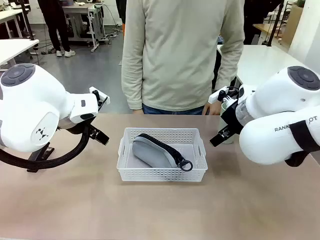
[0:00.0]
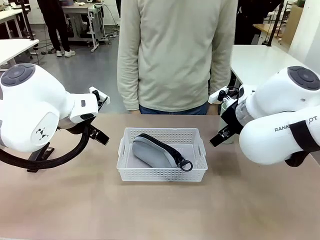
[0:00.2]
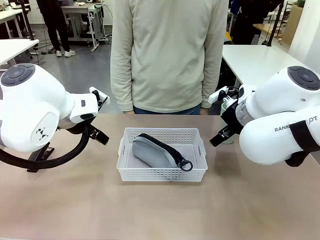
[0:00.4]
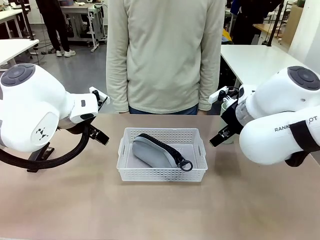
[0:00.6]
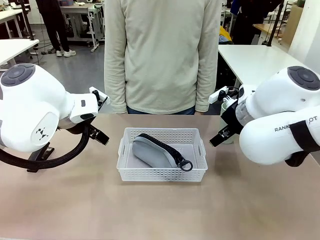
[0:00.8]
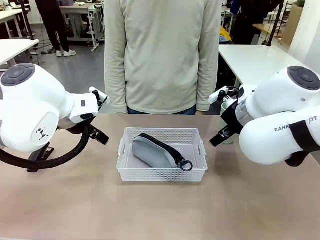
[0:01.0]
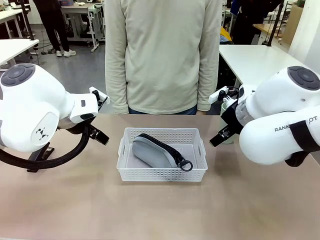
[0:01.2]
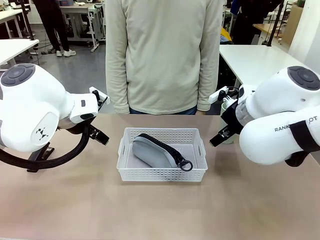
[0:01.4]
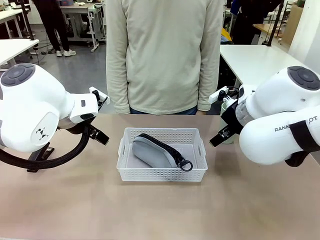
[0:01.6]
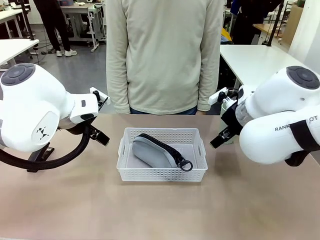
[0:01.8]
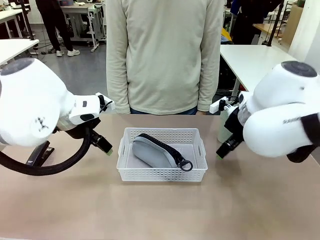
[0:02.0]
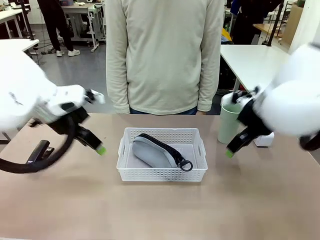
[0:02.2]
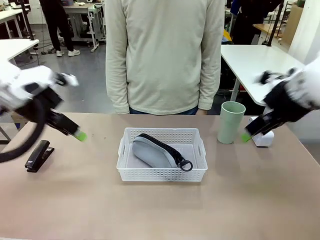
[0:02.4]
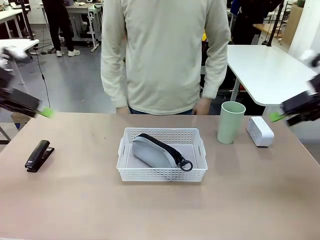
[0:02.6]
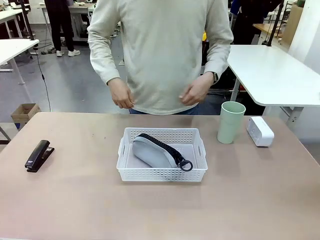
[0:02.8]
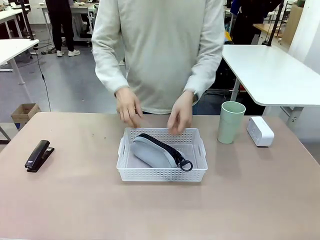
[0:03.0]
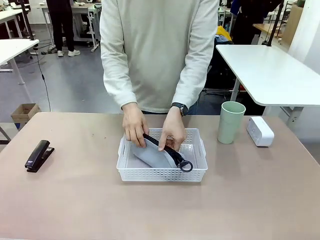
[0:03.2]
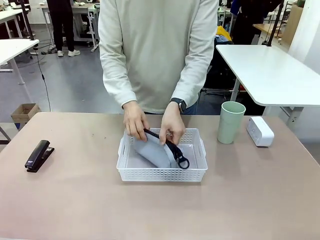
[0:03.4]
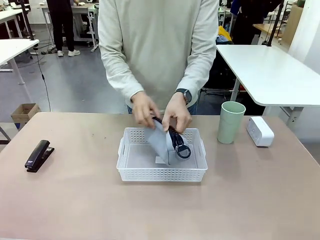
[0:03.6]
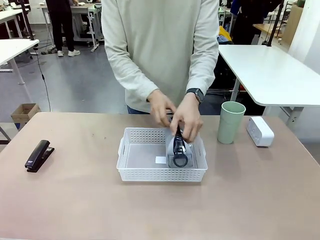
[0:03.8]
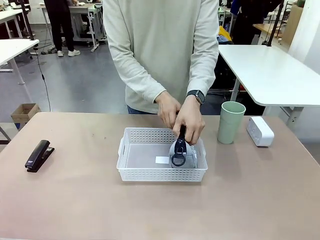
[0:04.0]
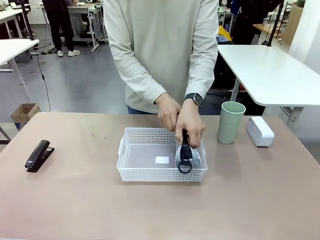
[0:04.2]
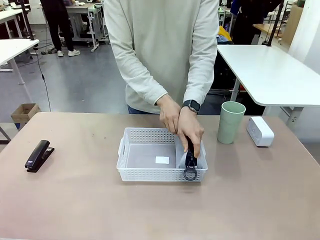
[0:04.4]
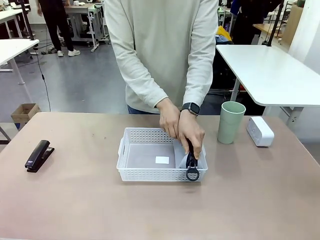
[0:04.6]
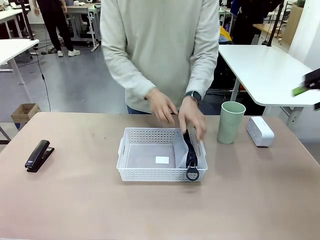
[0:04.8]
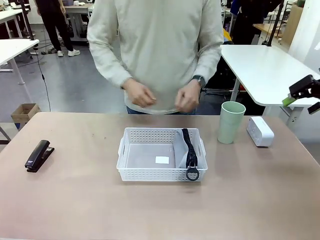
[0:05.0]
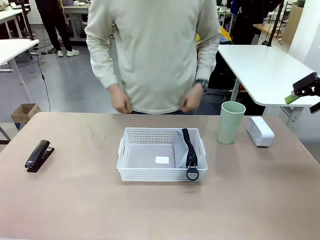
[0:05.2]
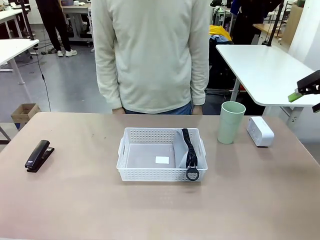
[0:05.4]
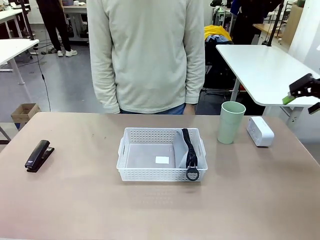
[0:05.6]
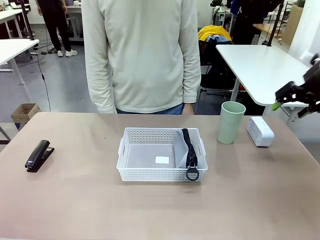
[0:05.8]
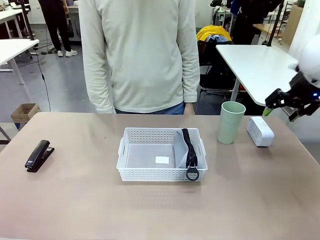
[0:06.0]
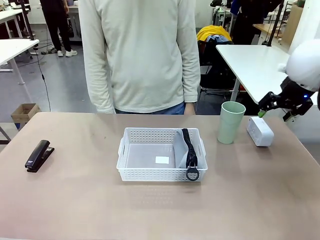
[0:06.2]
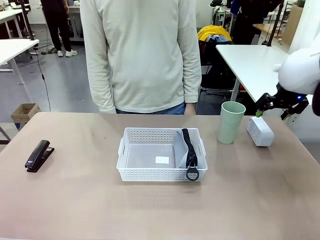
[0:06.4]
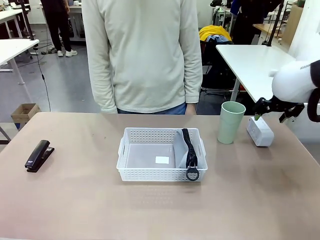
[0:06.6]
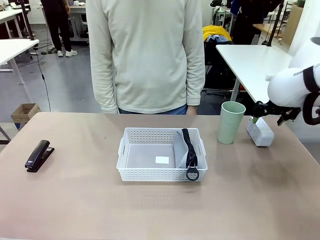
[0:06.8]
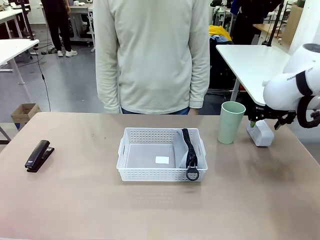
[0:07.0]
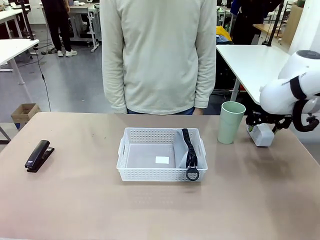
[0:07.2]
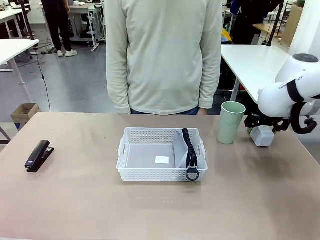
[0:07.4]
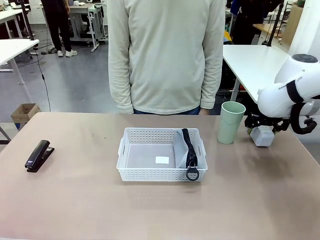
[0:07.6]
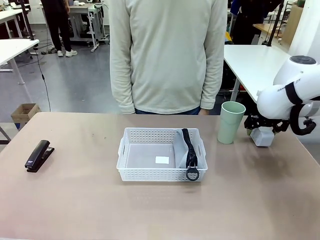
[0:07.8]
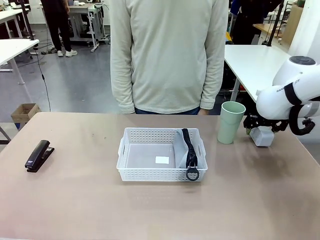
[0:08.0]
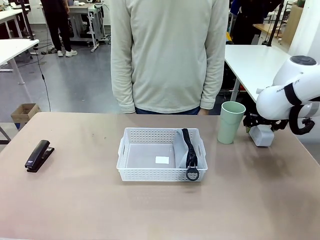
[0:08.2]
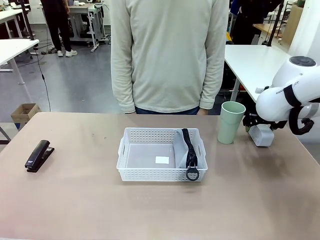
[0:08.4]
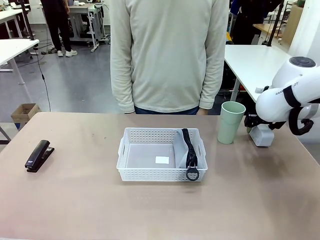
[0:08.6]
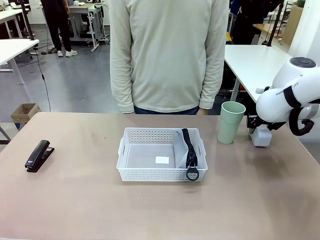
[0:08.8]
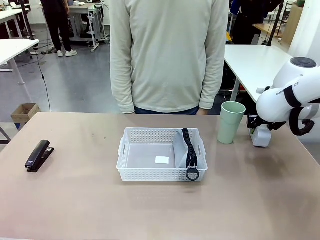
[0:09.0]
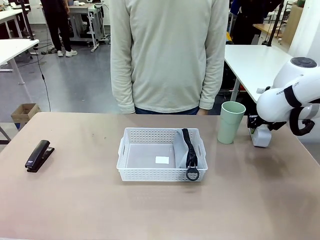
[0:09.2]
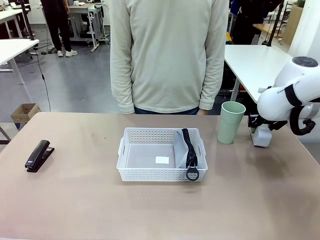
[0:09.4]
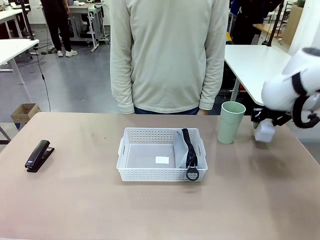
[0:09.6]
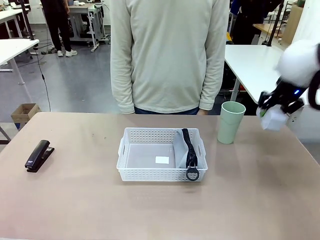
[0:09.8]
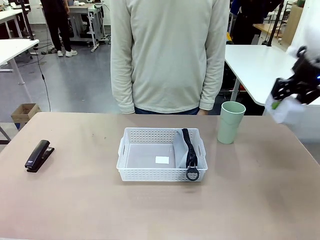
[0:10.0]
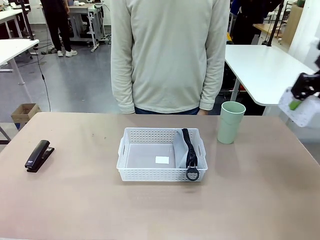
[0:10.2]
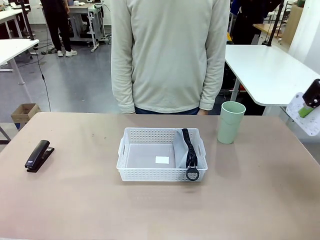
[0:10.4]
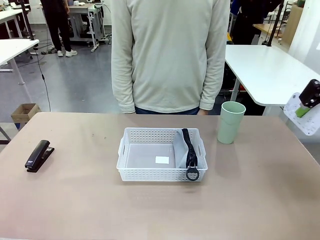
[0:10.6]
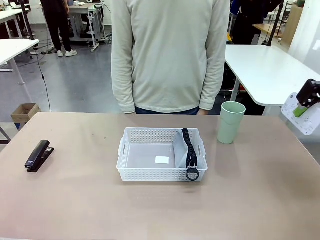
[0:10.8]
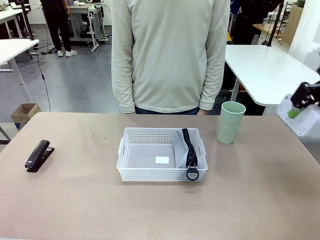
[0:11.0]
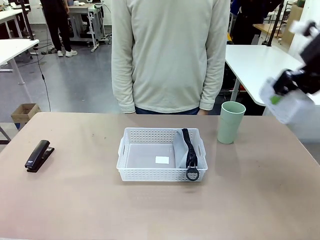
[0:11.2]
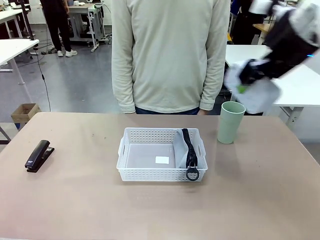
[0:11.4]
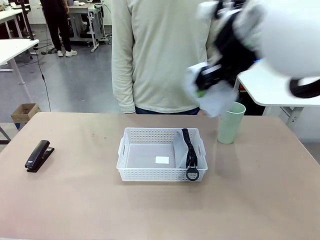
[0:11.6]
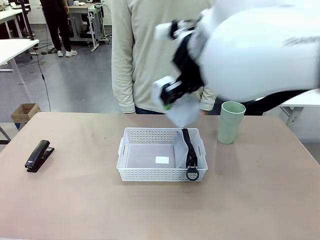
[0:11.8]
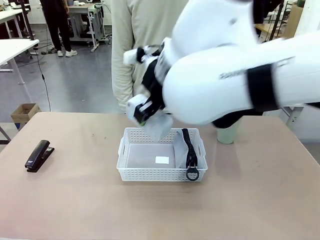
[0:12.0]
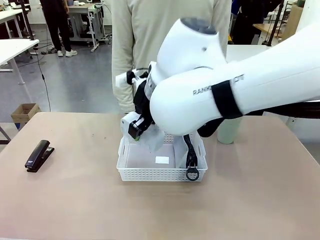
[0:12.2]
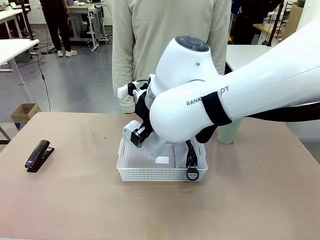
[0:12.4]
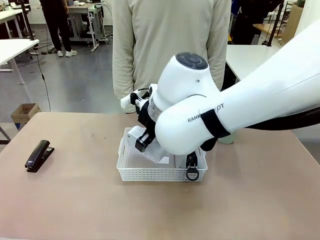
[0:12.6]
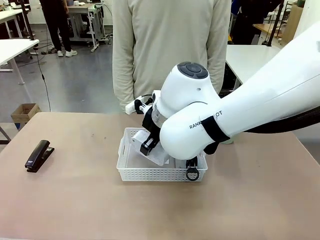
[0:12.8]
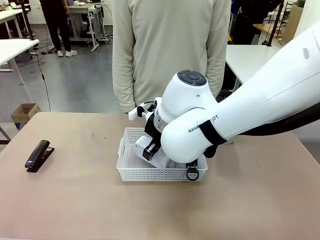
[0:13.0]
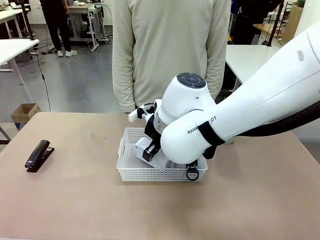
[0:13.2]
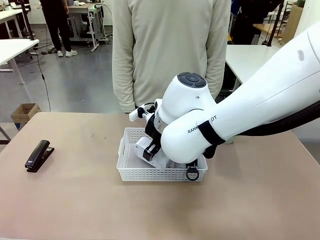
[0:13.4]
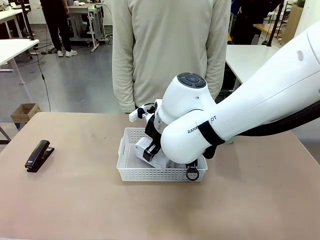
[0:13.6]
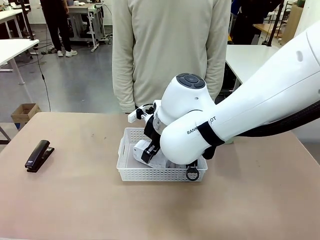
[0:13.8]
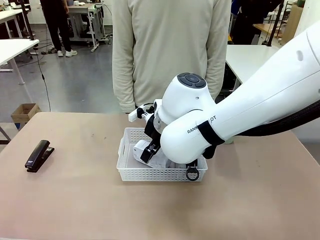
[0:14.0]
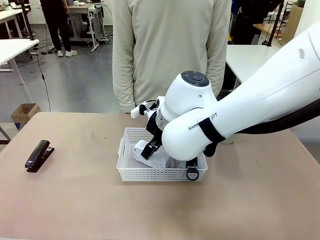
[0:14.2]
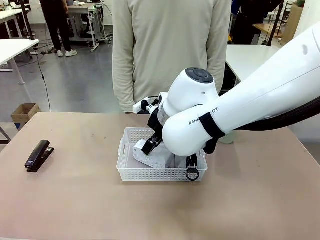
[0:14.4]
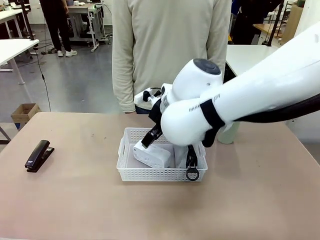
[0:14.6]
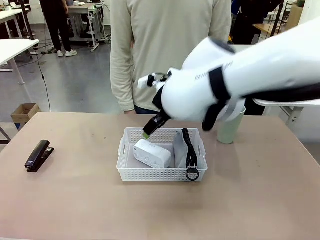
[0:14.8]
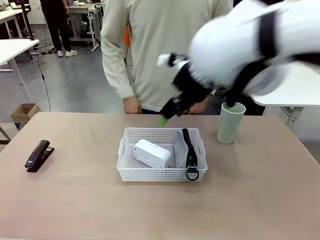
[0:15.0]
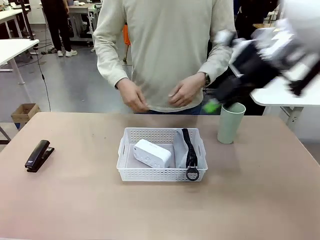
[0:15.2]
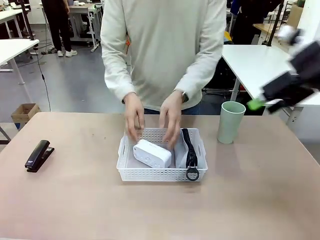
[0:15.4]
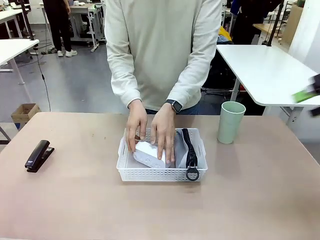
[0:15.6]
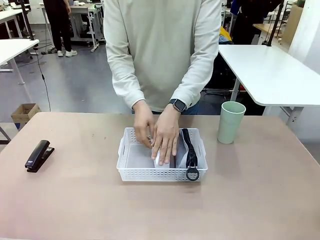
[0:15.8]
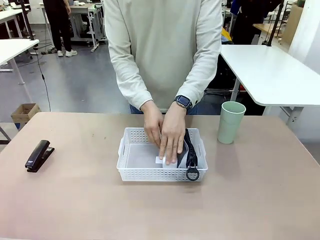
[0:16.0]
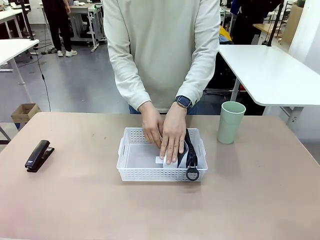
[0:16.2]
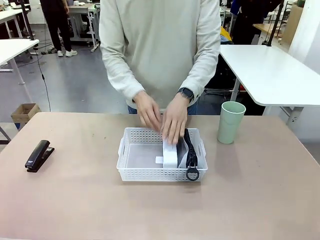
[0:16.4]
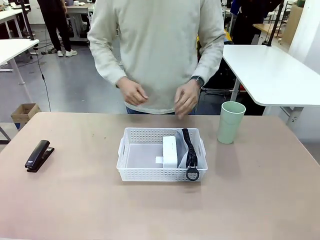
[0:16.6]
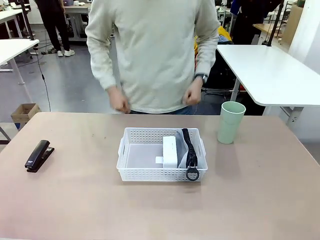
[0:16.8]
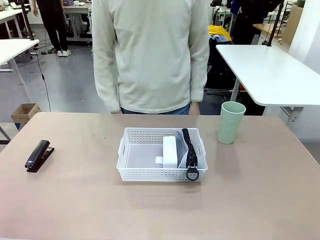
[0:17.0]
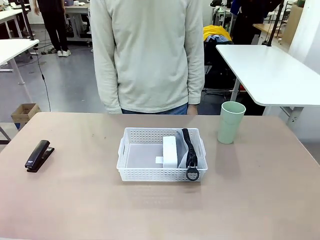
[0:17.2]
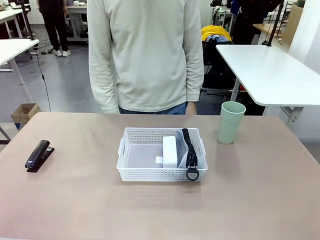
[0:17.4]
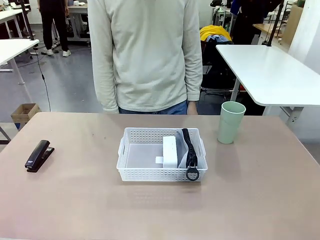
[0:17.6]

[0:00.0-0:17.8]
Task: Efficiently arrange items inside the basket to fit them all.
Robot: Pick up the Digital clock and place it inside the Organizing basket.
Person: Repositions the pencil case. Repositions the digital clock.
